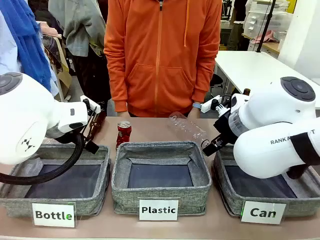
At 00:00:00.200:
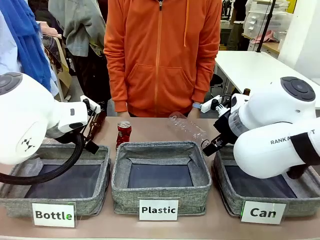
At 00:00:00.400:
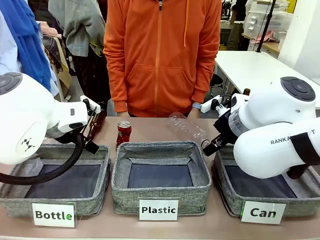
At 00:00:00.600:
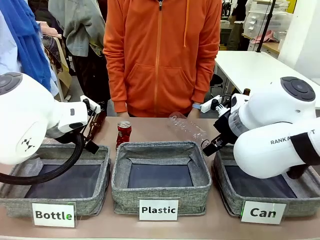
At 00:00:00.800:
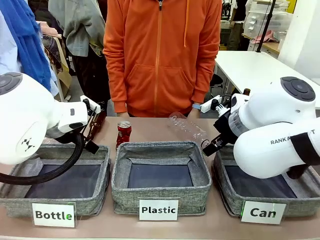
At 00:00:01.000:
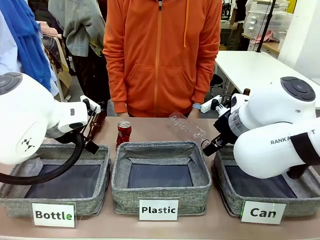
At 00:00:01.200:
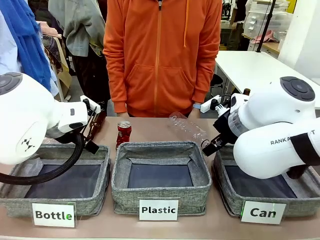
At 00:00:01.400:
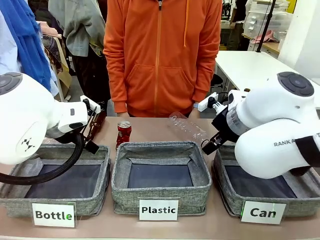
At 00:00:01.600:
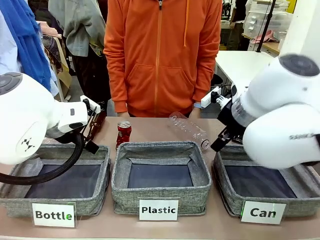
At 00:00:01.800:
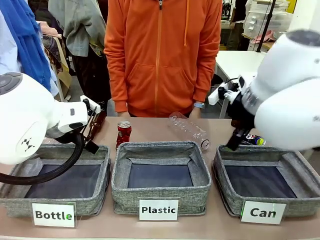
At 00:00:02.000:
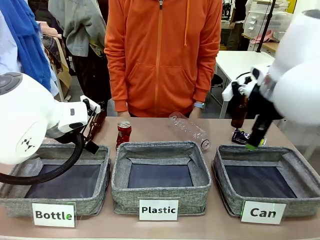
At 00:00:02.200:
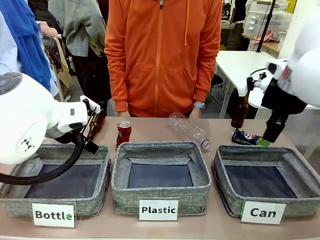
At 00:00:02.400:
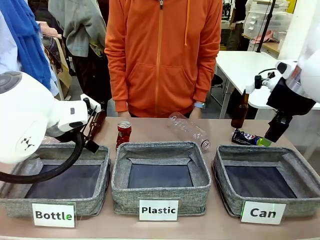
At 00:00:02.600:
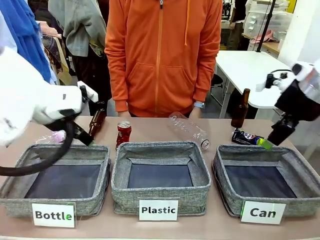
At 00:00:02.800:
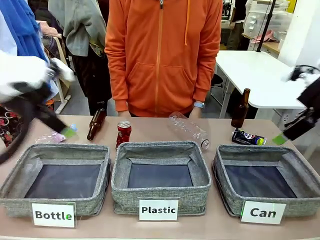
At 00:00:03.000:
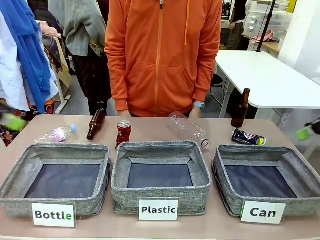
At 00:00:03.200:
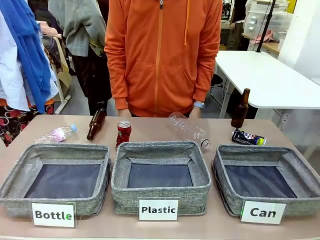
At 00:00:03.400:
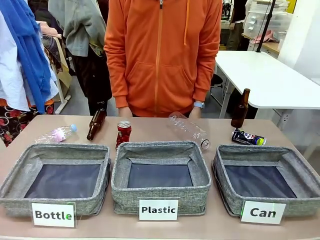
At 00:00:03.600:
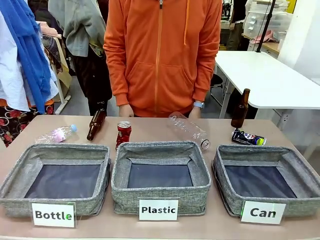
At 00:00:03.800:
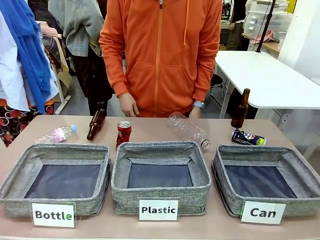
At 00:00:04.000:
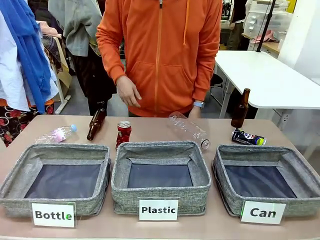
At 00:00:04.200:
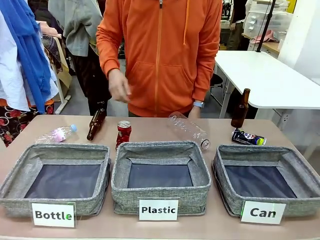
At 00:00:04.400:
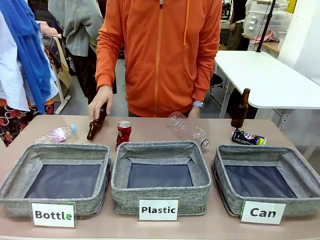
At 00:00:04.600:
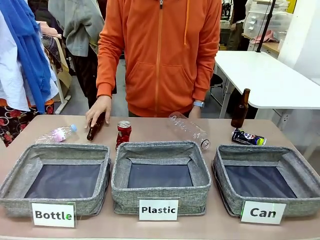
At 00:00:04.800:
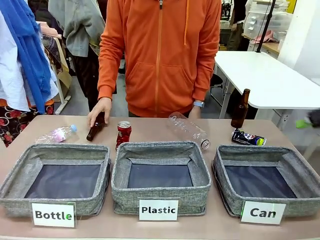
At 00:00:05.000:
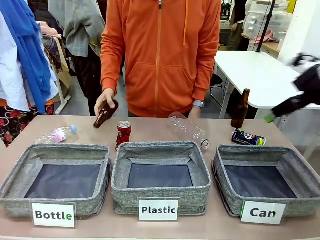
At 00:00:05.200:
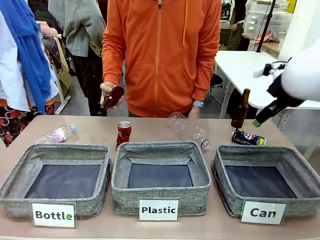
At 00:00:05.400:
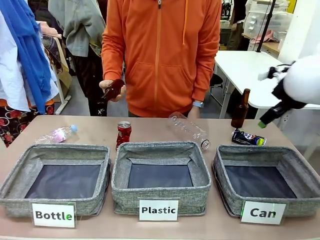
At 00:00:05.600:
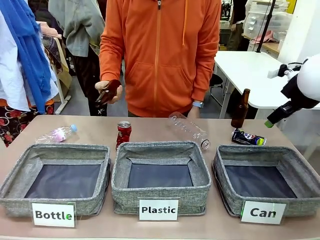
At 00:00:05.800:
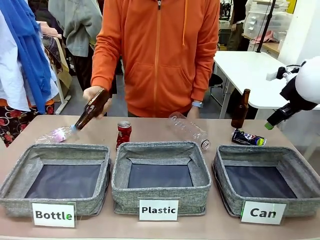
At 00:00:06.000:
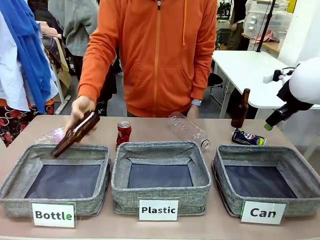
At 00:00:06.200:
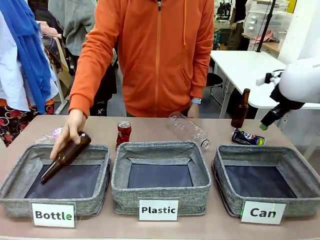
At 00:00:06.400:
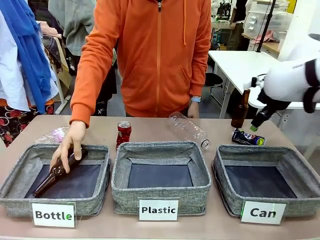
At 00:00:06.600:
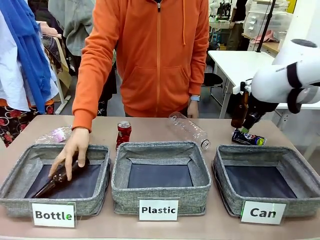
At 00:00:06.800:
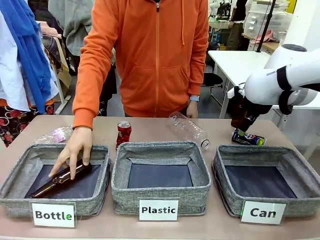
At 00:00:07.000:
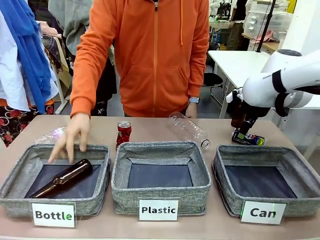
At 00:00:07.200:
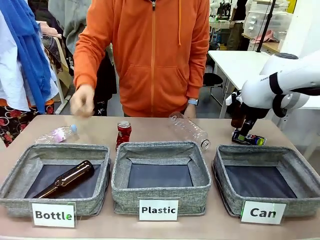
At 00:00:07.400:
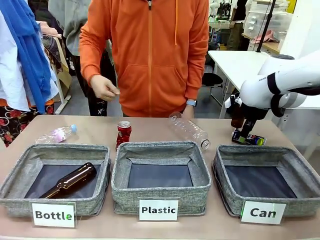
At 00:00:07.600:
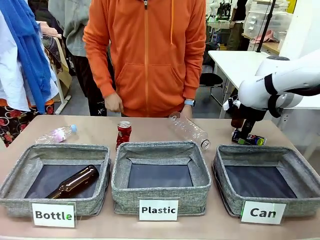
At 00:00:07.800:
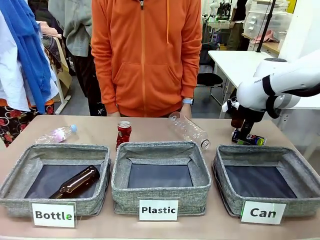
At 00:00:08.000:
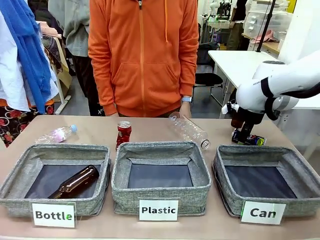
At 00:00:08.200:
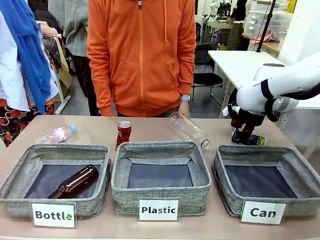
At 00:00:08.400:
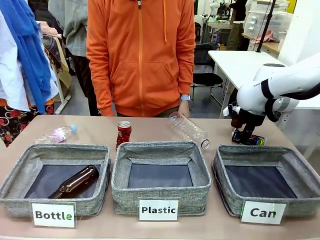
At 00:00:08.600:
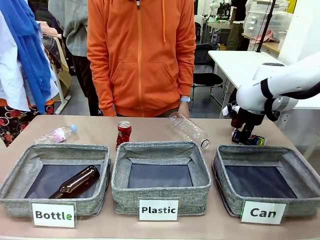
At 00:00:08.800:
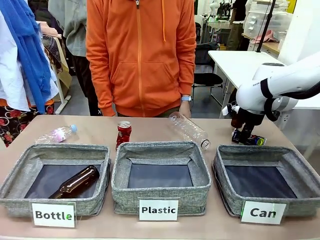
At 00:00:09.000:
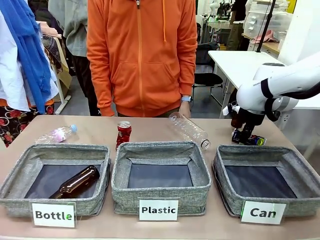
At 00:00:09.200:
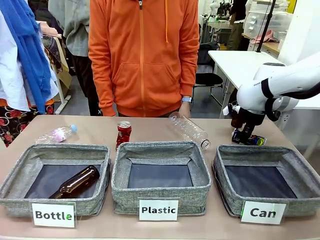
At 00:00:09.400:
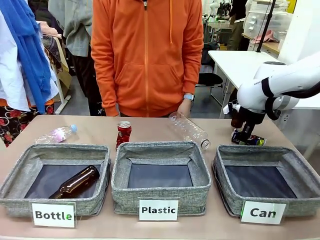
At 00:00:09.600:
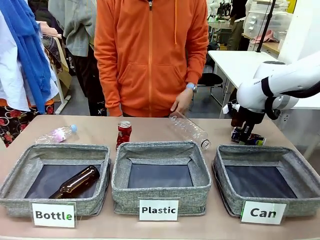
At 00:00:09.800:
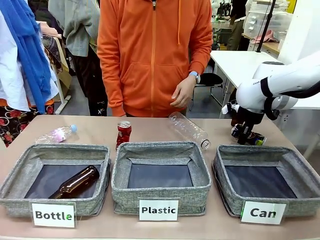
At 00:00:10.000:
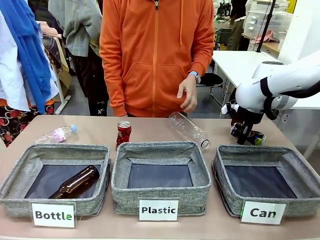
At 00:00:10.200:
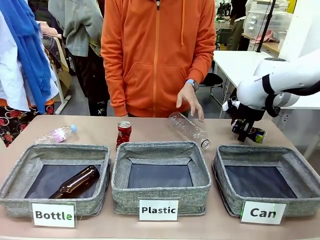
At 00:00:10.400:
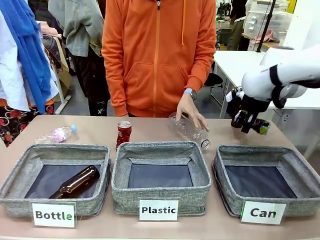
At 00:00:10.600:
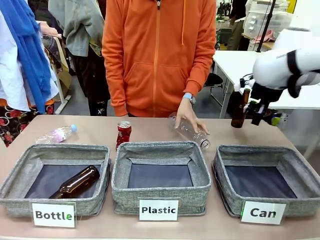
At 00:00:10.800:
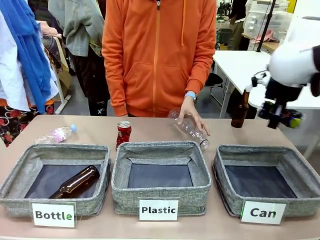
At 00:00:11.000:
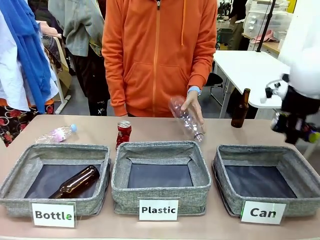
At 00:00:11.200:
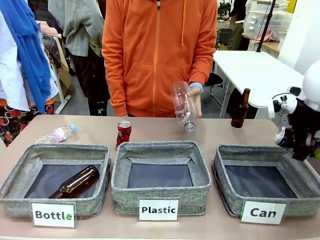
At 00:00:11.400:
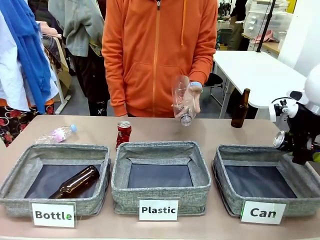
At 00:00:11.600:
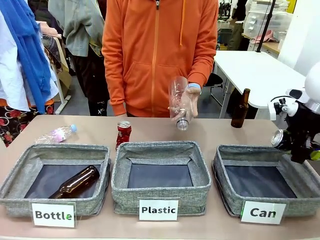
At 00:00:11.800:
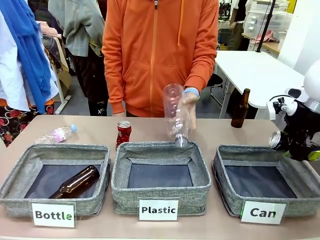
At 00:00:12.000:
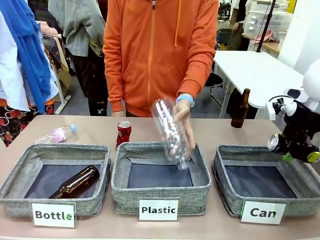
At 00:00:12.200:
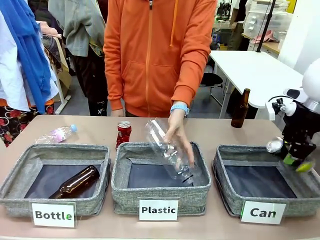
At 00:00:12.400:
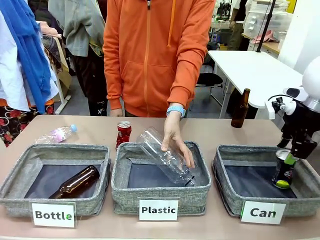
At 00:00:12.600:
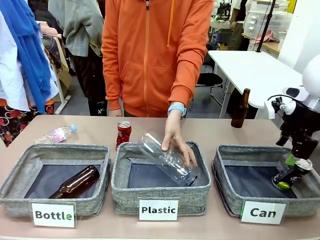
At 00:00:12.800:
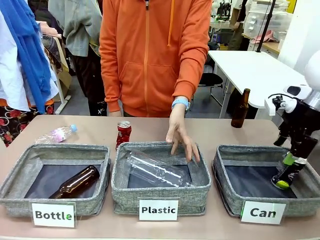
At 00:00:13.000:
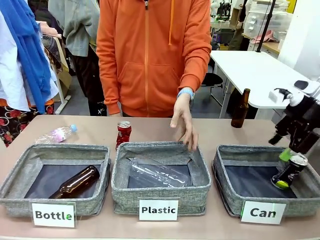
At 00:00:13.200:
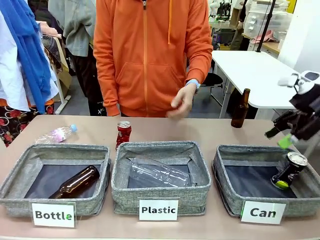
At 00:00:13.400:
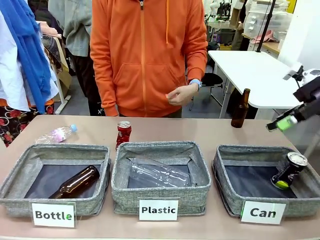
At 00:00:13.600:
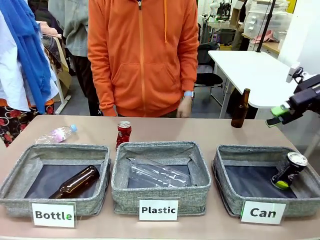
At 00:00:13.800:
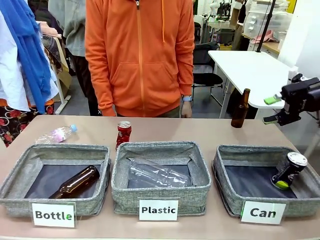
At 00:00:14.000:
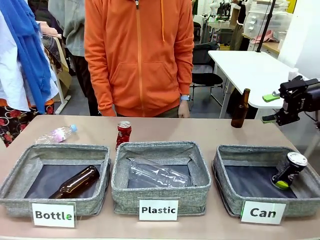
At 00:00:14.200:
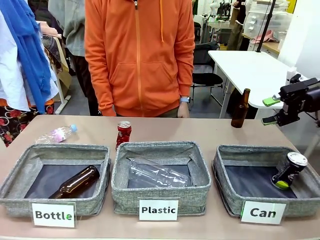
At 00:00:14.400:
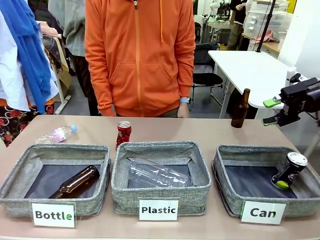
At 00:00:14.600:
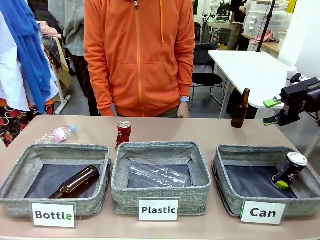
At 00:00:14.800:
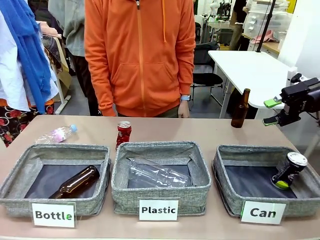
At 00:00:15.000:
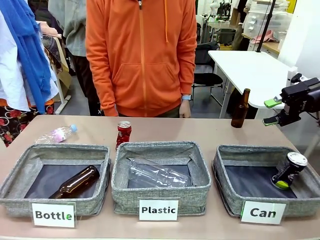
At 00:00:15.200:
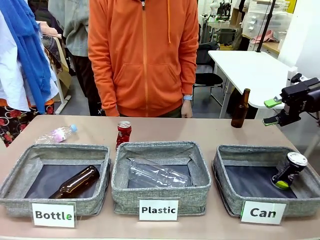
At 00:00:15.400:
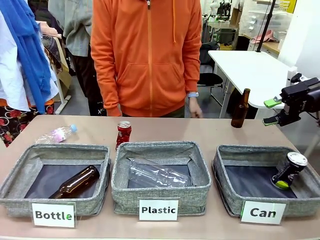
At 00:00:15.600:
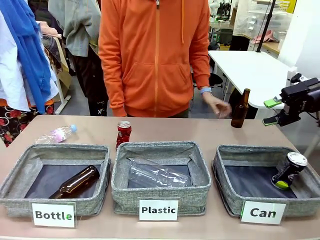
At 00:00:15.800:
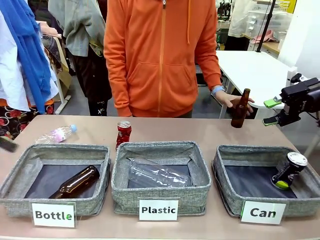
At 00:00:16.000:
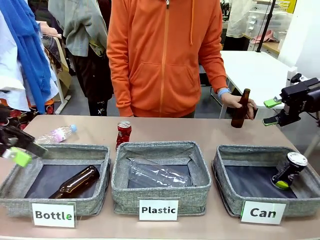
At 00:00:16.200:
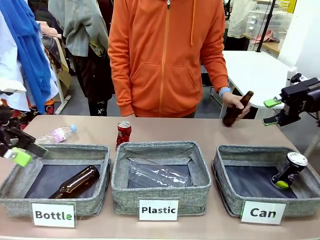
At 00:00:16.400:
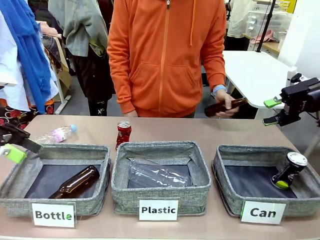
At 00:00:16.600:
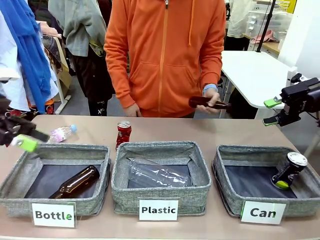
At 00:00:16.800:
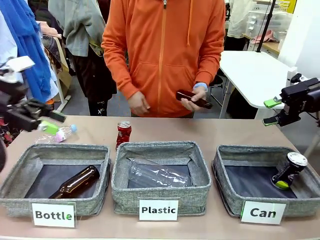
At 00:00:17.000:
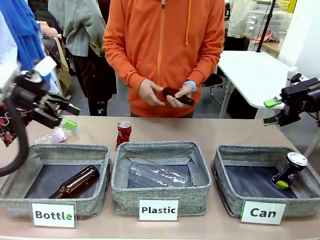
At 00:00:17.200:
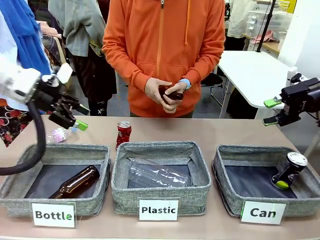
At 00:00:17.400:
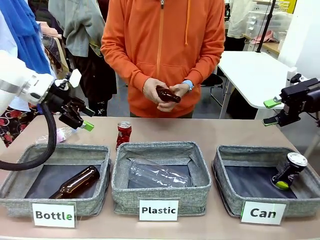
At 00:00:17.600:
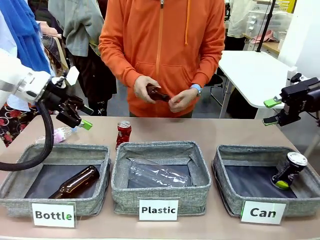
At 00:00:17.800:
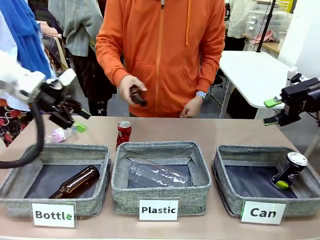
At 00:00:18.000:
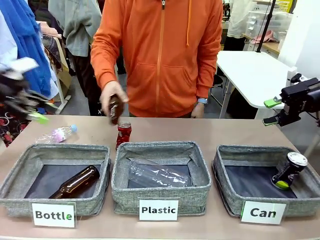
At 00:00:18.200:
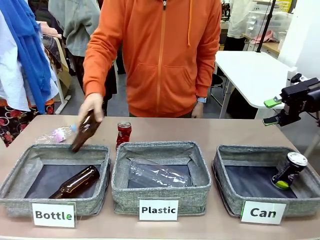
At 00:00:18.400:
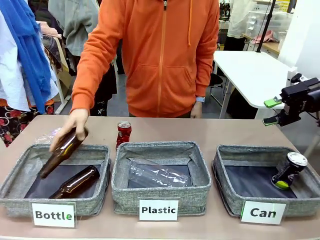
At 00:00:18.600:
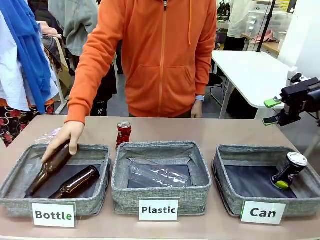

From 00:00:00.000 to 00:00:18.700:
Task: Sort the can waste into the basket.
Robot: Pick up the can waste from the table and place it in the right Fabric basket.
